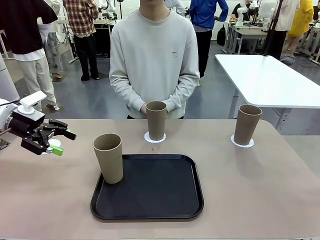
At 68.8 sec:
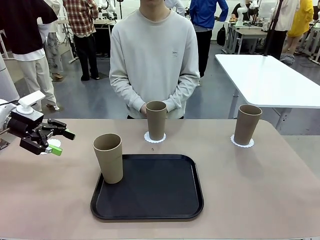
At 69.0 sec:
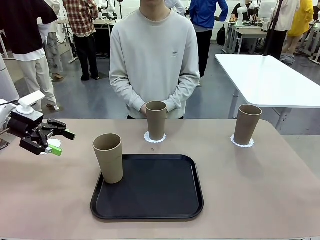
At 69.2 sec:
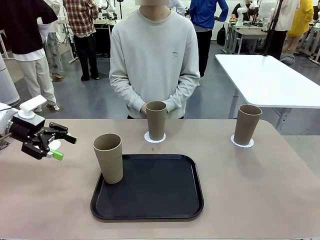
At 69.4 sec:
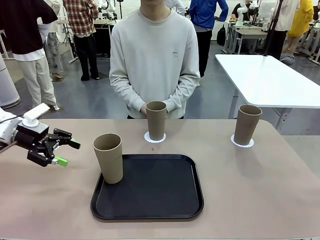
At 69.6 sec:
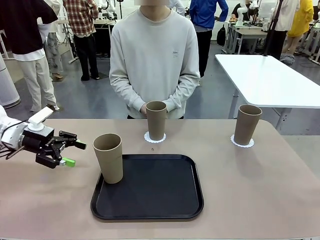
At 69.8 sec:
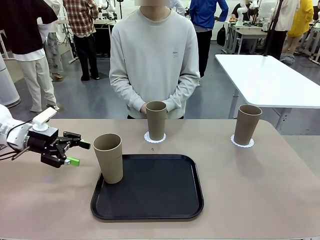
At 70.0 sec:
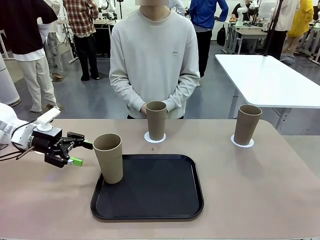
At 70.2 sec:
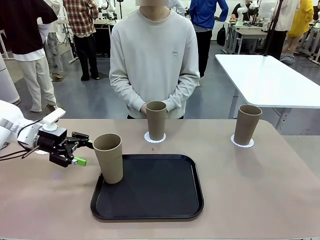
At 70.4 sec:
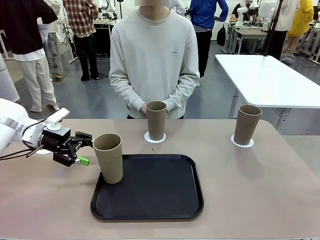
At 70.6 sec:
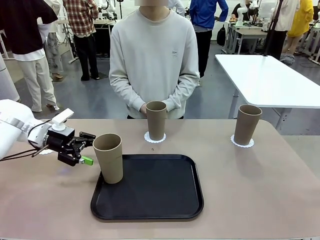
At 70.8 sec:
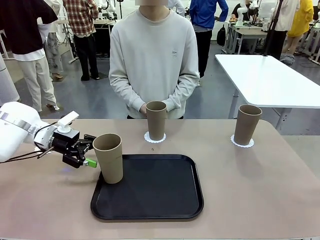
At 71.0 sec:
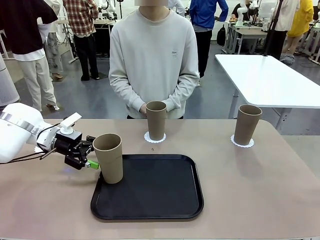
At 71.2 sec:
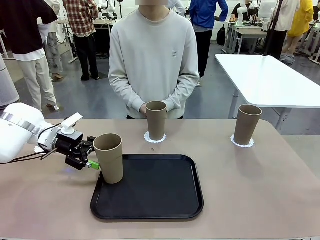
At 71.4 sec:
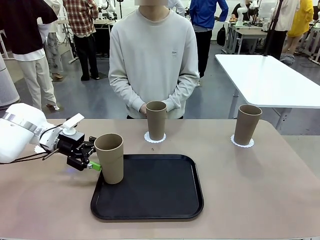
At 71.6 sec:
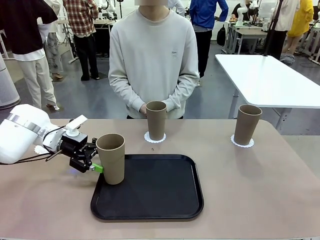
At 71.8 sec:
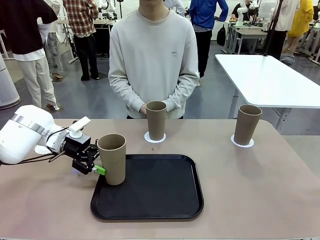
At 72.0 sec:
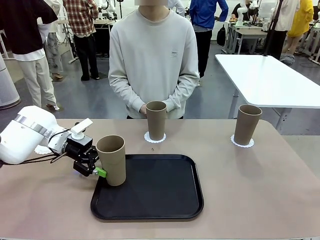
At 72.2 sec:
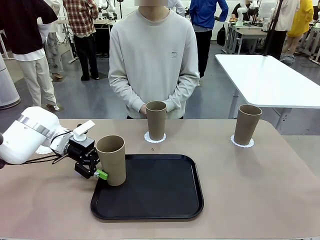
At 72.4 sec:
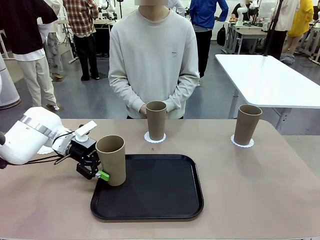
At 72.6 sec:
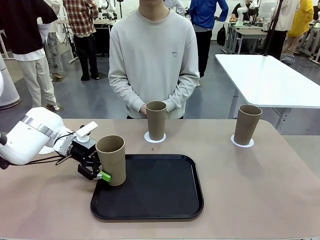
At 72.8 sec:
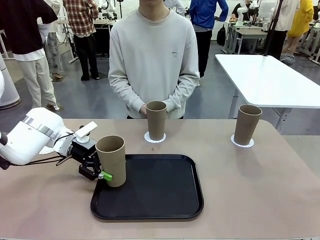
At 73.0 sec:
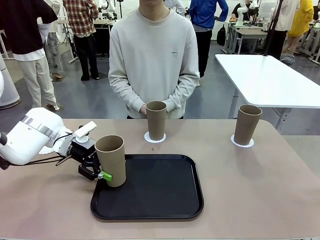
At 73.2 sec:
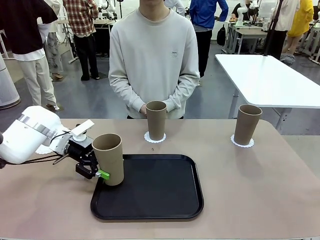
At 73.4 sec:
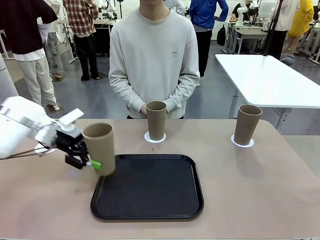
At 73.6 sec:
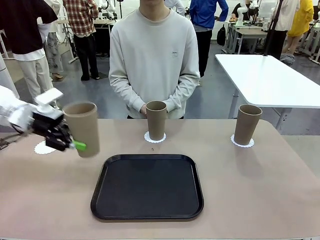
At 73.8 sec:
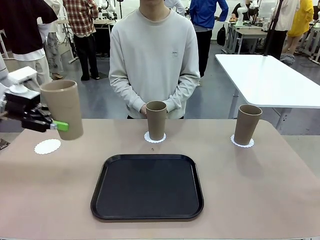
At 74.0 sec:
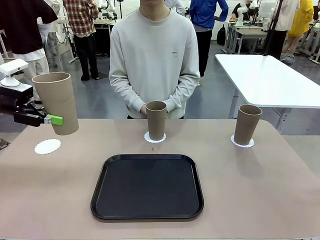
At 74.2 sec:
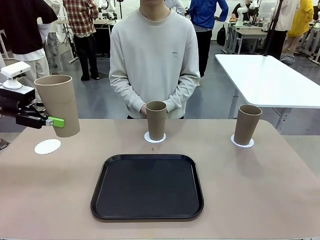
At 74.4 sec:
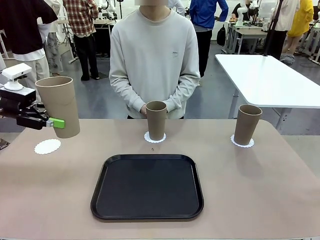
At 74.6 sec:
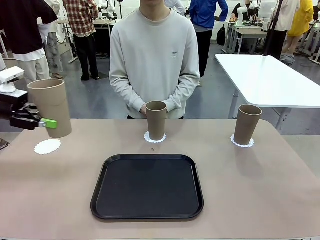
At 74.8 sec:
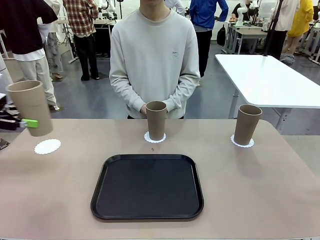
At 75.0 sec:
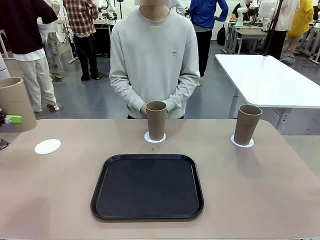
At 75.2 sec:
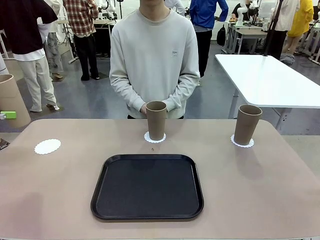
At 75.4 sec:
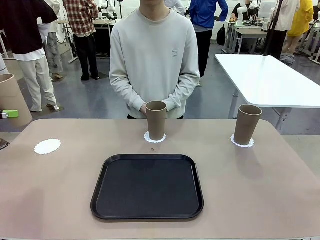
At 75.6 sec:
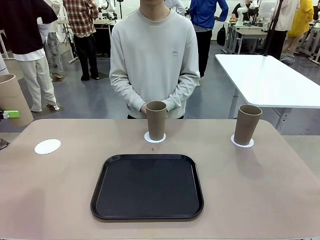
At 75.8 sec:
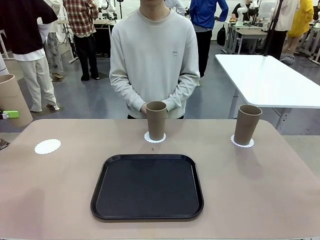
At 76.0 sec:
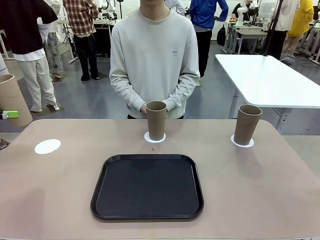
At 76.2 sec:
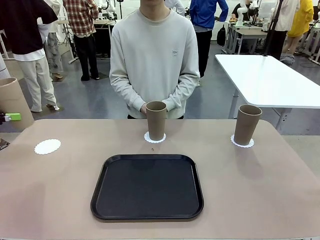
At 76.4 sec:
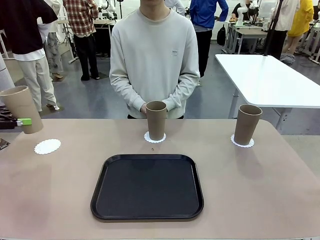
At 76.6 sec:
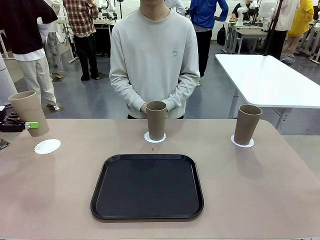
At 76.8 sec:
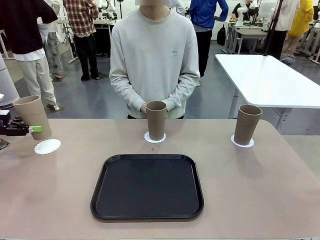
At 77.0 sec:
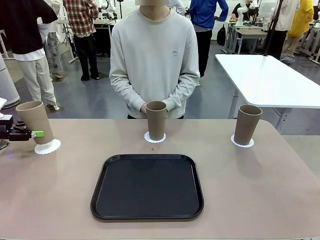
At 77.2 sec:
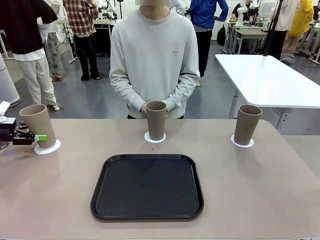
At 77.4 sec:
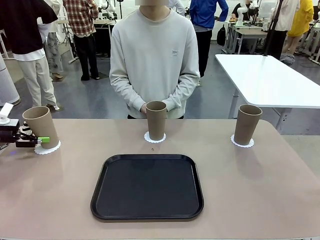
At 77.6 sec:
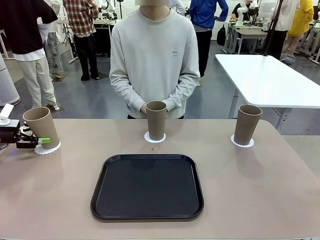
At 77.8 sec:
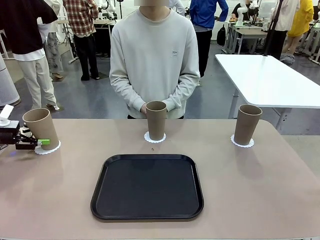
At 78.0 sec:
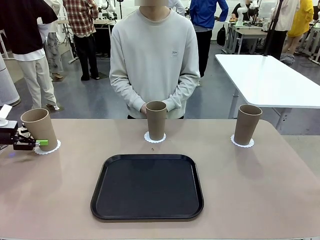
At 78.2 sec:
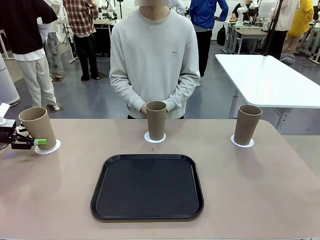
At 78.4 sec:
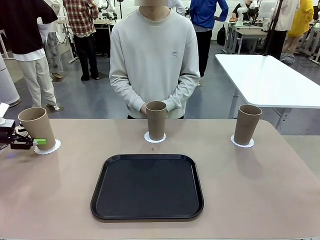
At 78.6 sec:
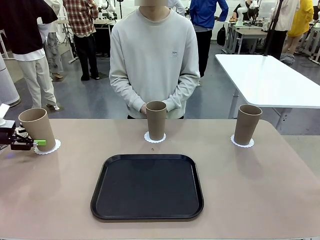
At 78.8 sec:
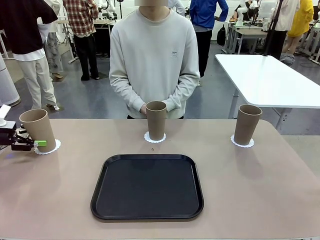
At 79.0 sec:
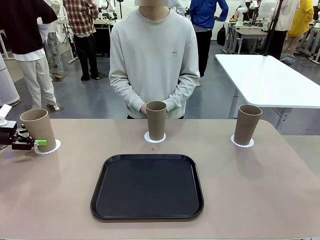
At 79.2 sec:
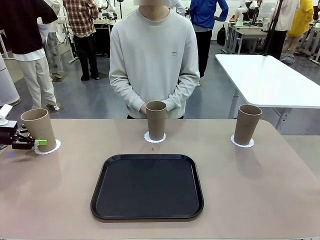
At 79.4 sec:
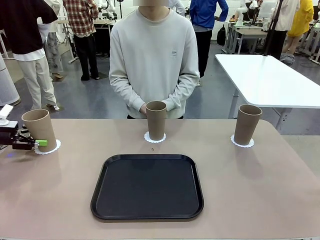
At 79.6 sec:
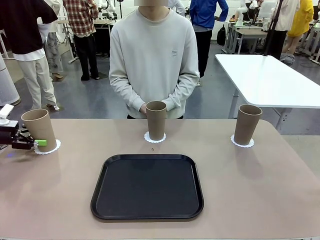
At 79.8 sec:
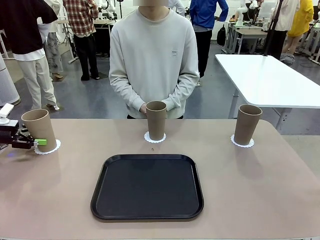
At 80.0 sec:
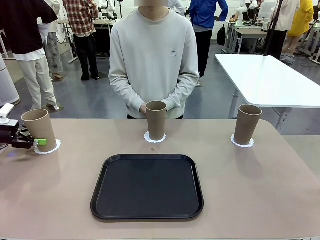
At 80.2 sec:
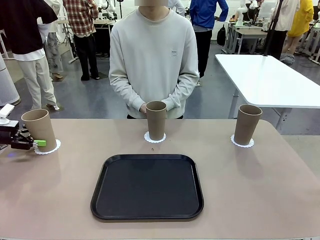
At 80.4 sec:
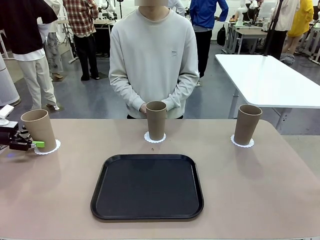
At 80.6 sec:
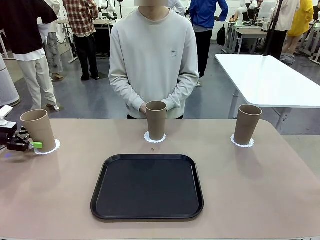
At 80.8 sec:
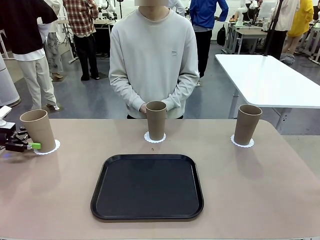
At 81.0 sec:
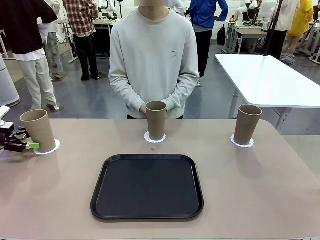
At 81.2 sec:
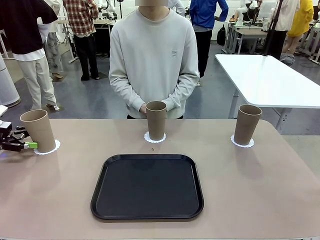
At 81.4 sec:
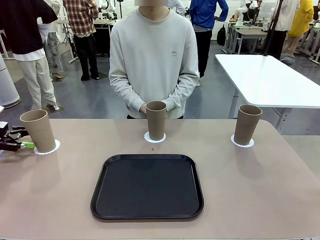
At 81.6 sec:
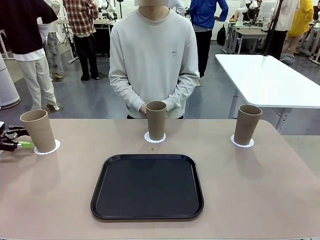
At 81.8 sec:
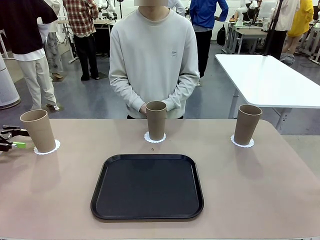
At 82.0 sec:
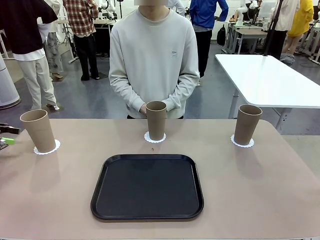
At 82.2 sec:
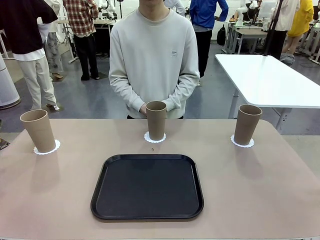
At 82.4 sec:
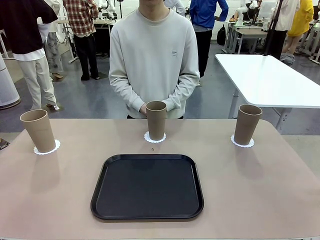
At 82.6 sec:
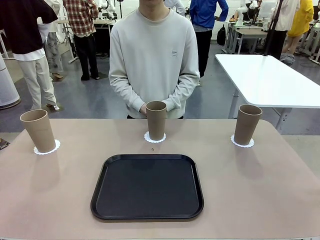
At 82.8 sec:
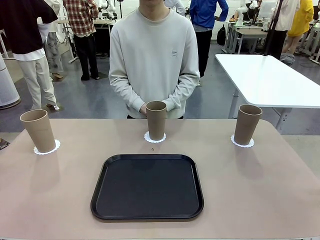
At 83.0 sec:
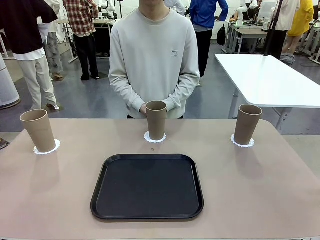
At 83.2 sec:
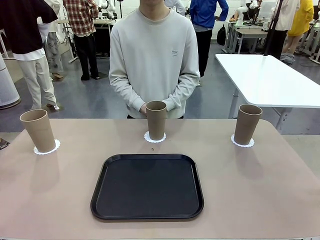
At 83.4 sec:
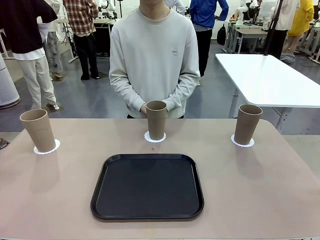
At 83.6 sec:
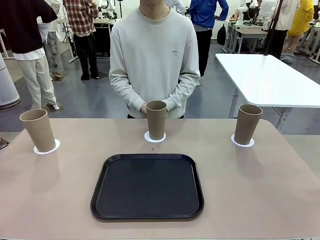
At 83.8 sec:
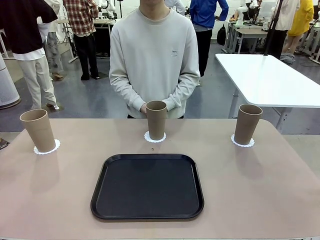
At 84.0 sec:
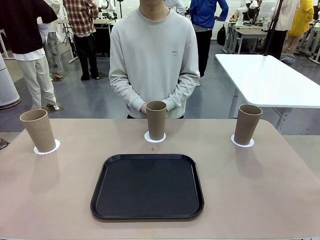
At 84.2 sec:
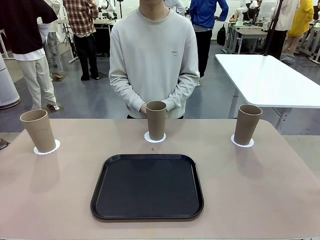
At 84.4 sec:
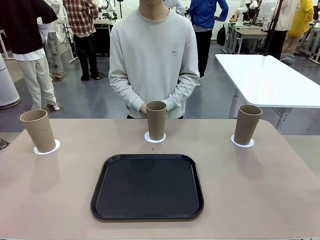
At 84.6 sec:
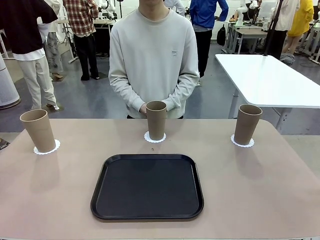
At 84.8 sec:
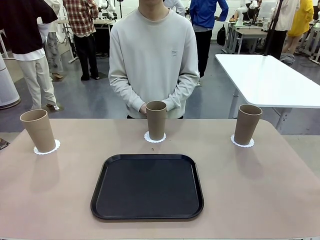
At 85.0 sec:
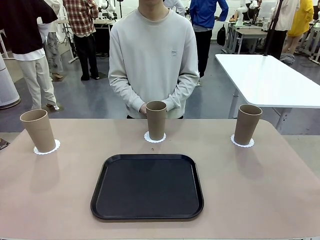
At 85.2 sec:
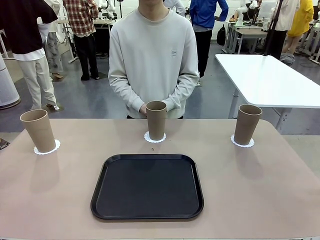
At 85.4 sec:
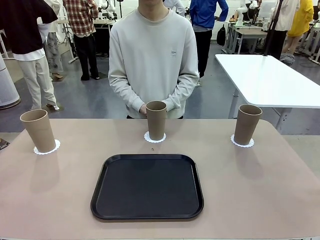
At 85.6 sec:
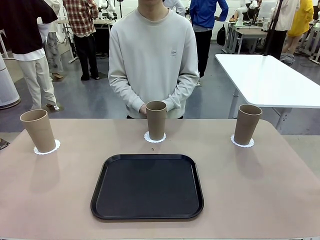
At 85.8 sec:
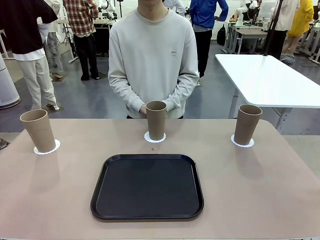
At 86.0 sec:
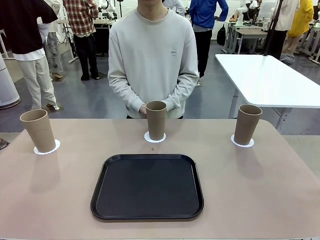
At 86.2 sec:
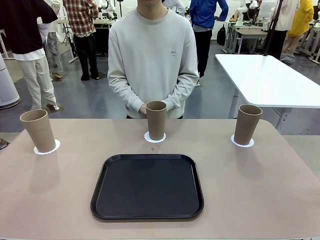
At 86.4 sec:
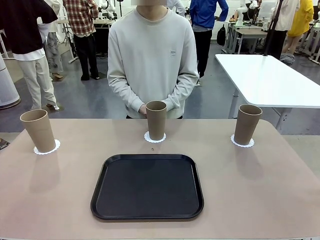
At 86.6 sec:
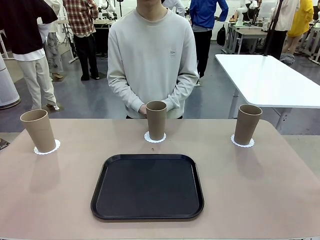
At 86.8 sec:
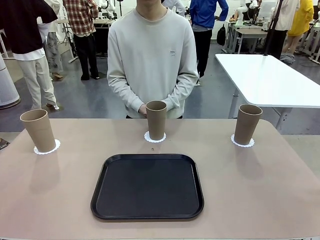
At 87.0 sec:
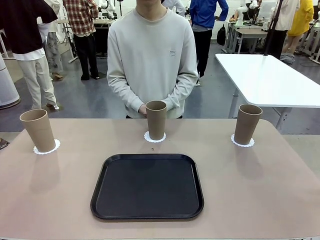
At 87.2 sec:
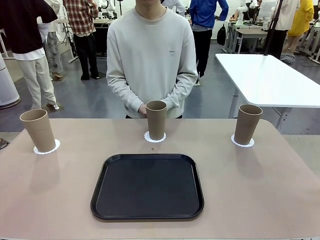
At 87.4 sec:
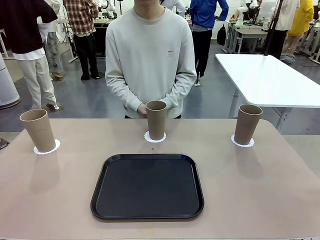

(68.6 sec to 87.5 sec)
Task: Place coasters on the table and set cups on them.
Robot: Take one Reusable plastic cup from the Flat Tray and place it on a coaster set by the human.
